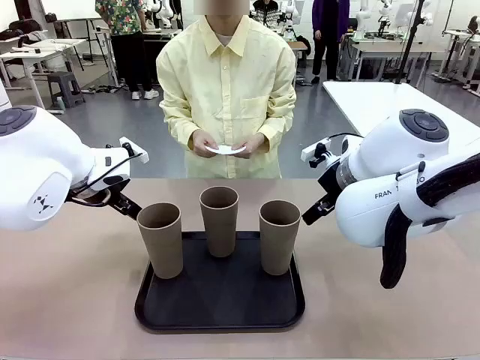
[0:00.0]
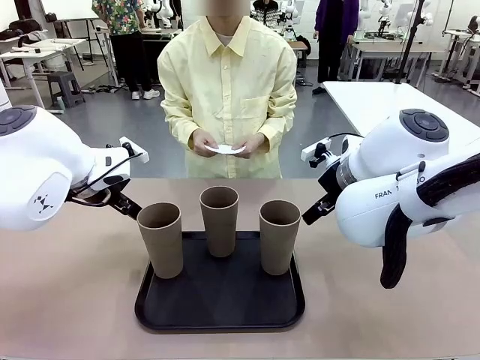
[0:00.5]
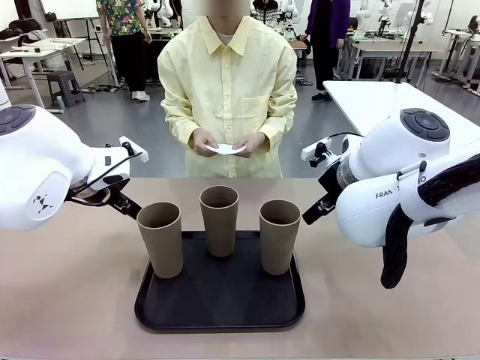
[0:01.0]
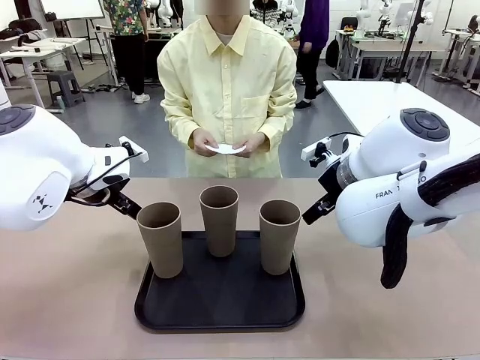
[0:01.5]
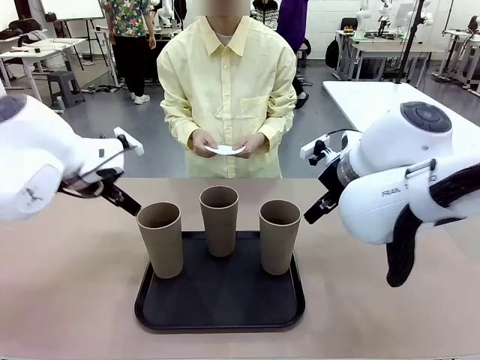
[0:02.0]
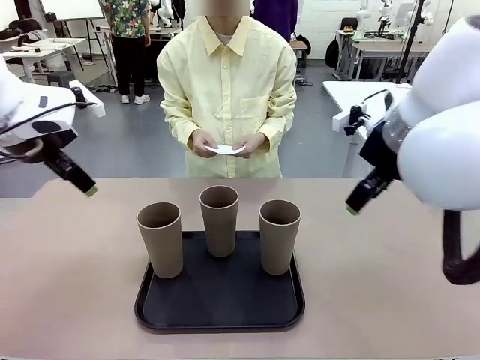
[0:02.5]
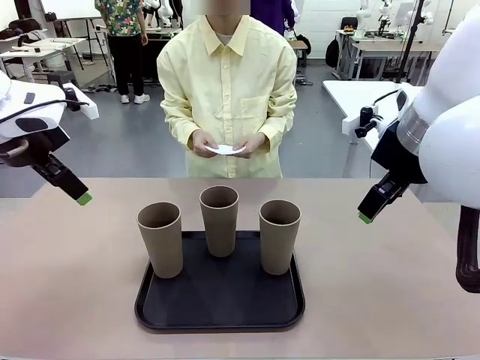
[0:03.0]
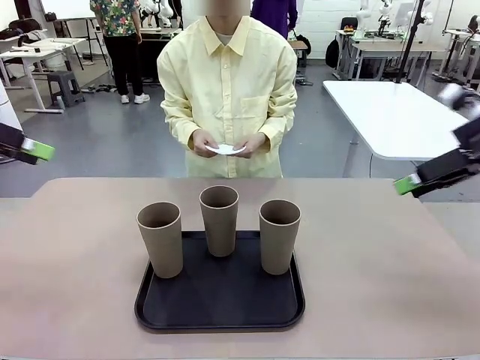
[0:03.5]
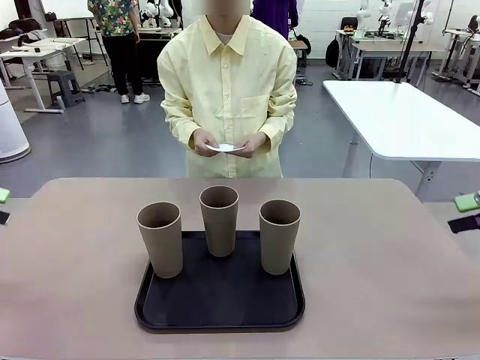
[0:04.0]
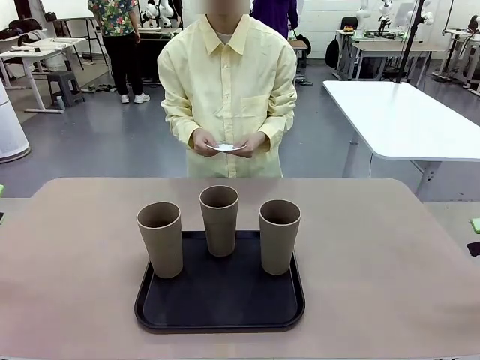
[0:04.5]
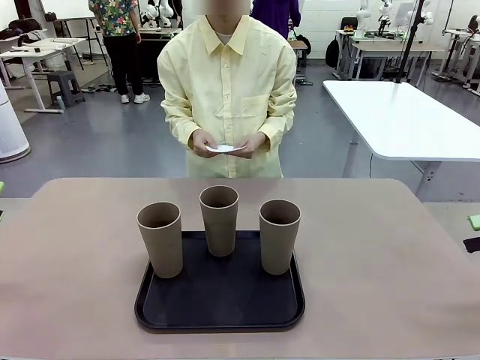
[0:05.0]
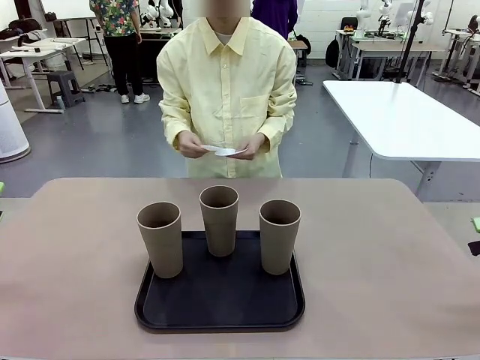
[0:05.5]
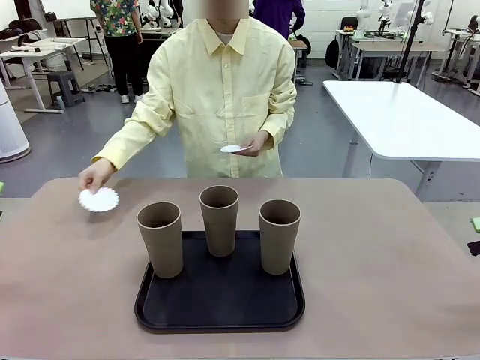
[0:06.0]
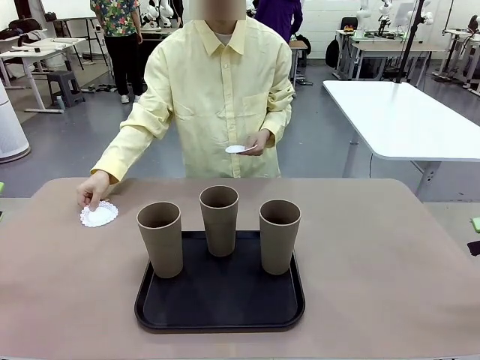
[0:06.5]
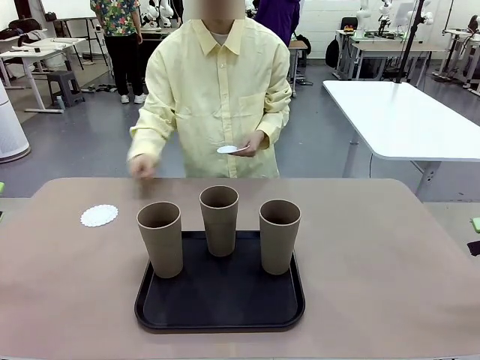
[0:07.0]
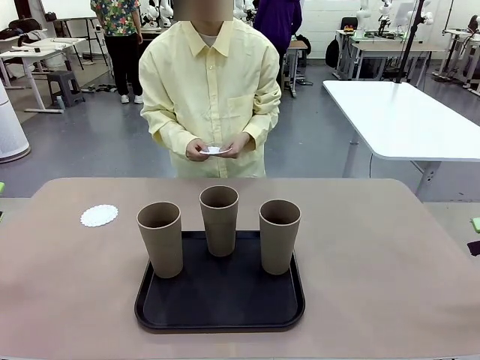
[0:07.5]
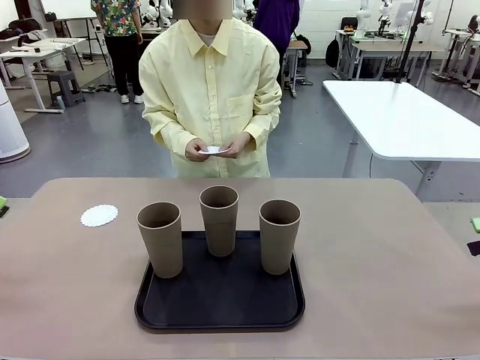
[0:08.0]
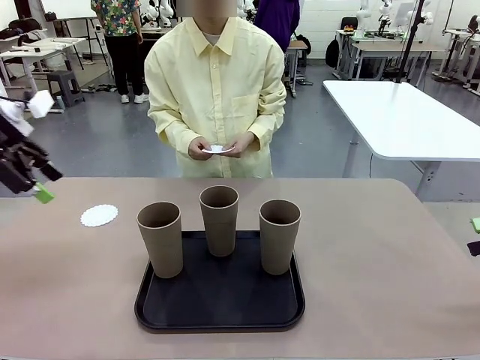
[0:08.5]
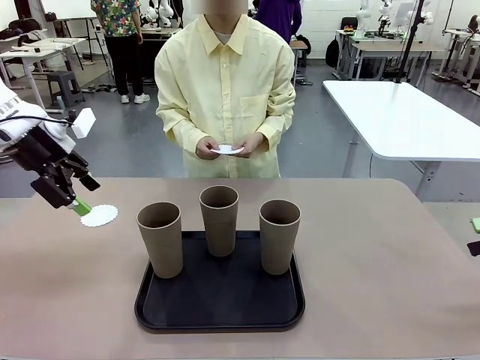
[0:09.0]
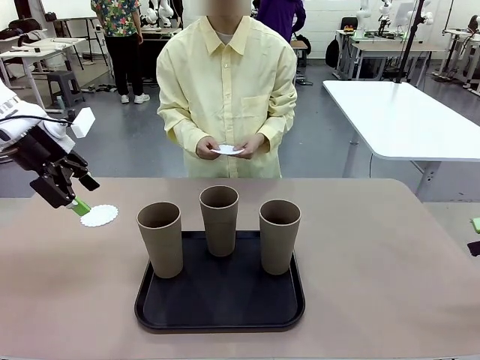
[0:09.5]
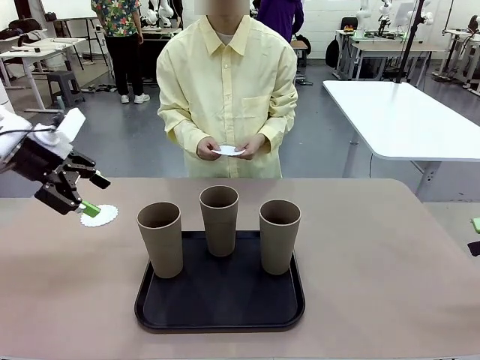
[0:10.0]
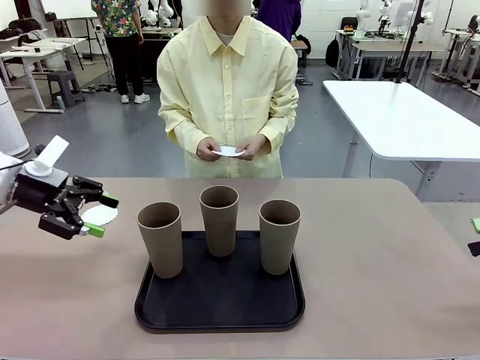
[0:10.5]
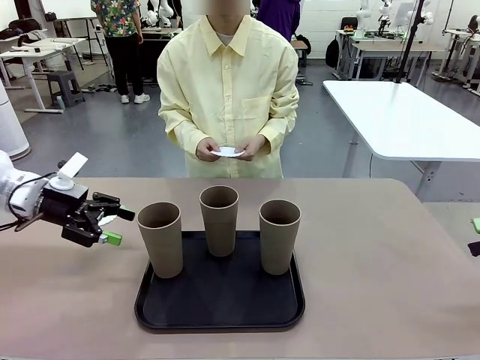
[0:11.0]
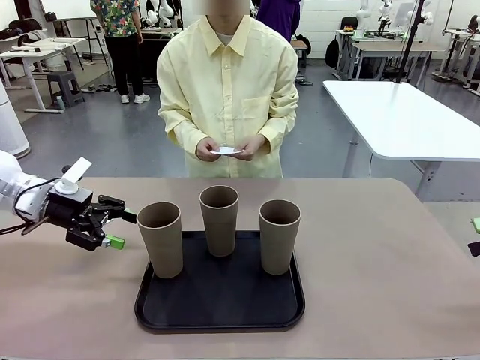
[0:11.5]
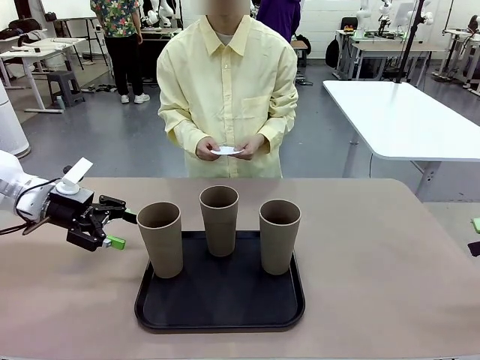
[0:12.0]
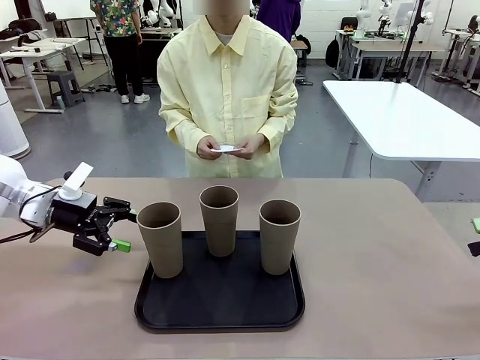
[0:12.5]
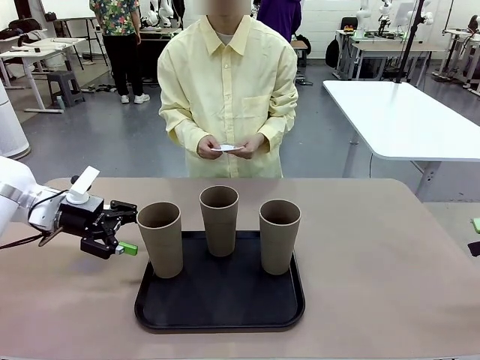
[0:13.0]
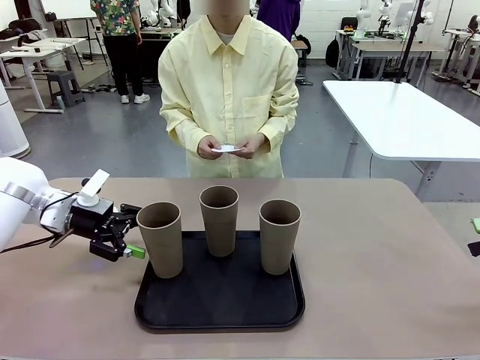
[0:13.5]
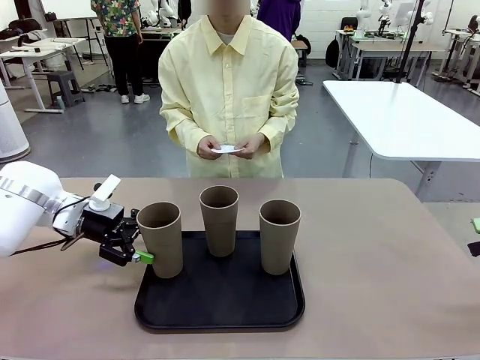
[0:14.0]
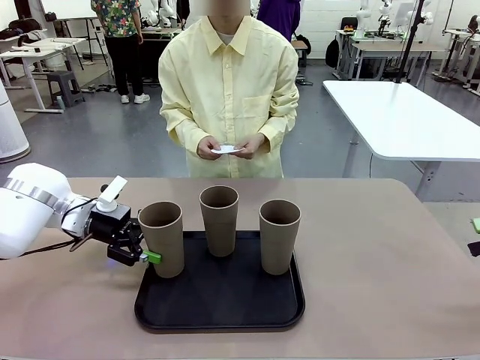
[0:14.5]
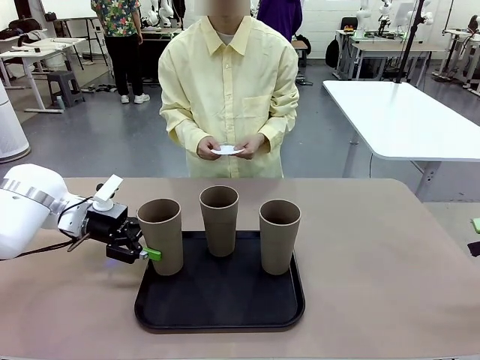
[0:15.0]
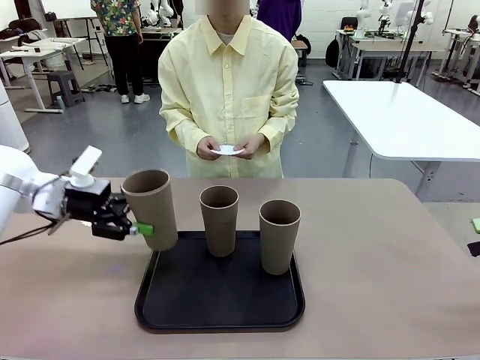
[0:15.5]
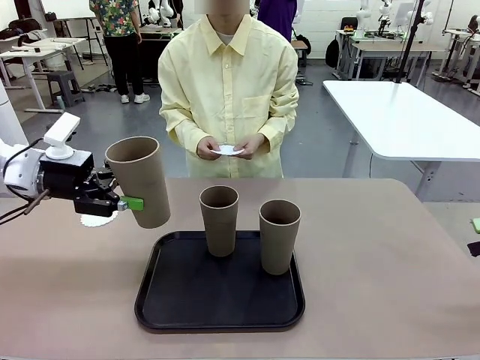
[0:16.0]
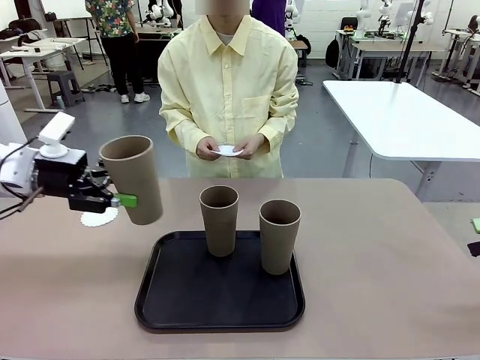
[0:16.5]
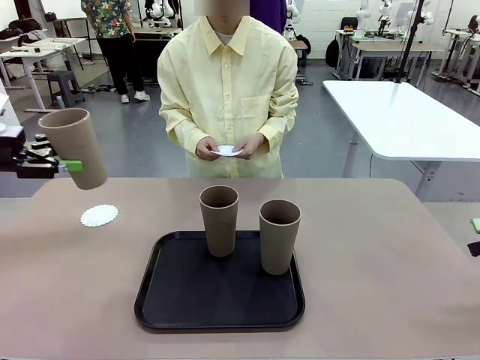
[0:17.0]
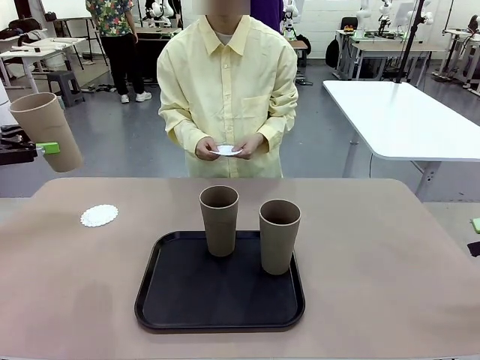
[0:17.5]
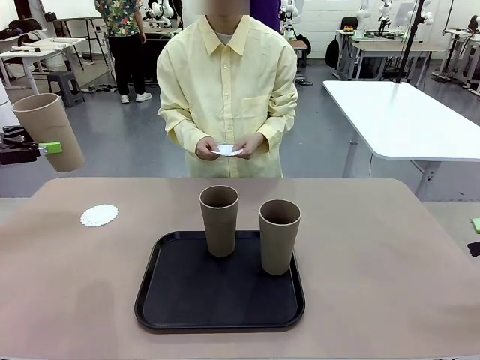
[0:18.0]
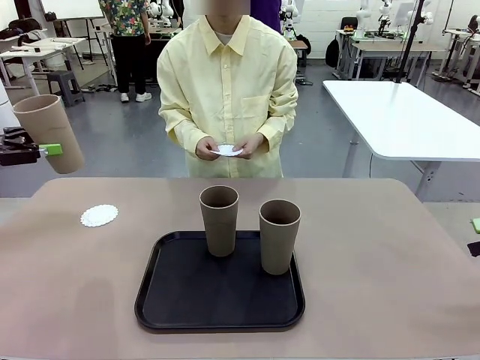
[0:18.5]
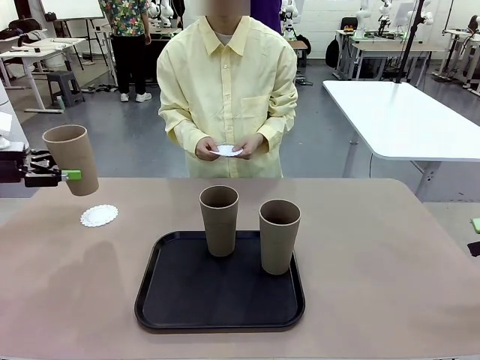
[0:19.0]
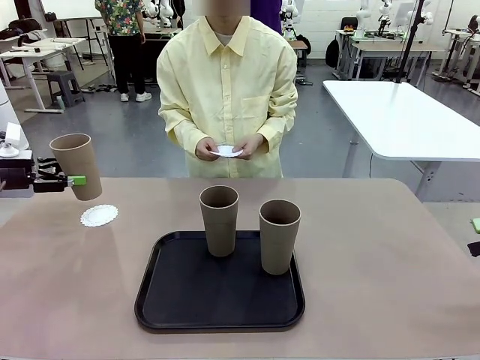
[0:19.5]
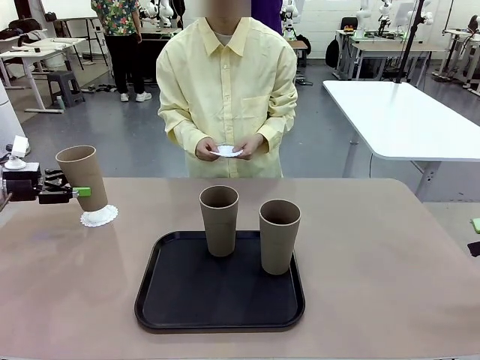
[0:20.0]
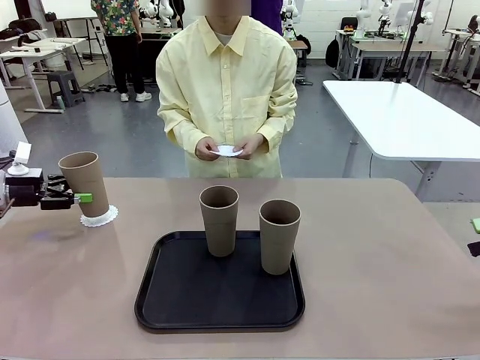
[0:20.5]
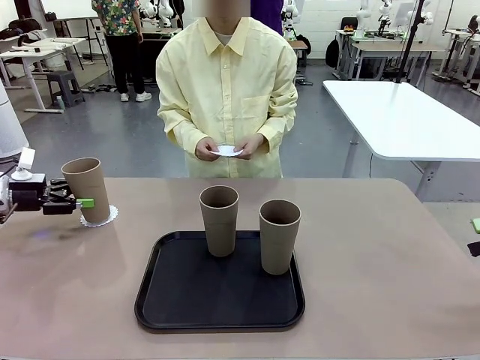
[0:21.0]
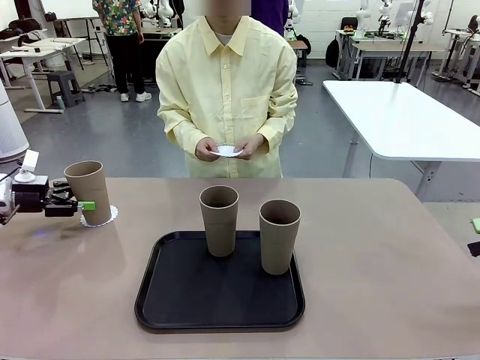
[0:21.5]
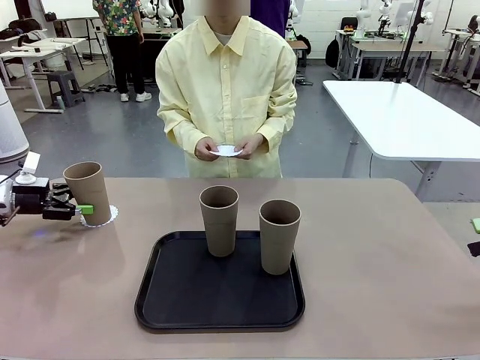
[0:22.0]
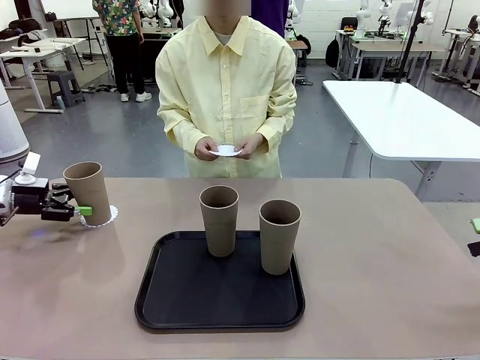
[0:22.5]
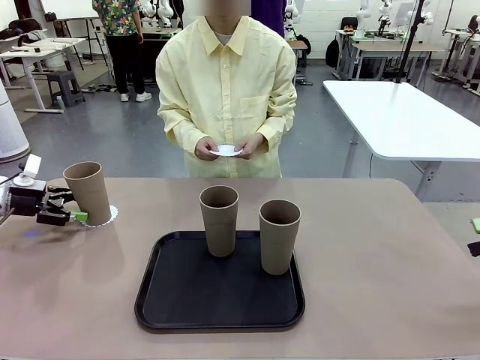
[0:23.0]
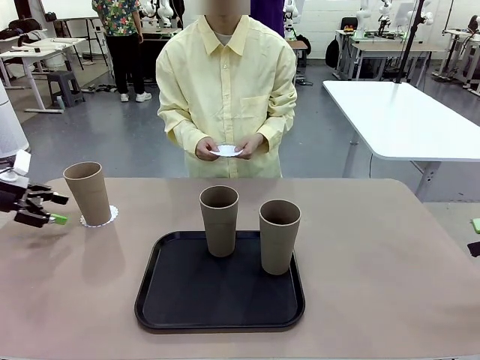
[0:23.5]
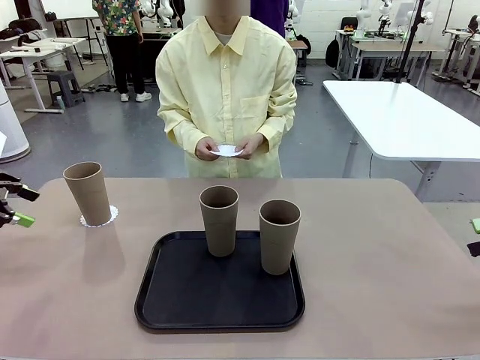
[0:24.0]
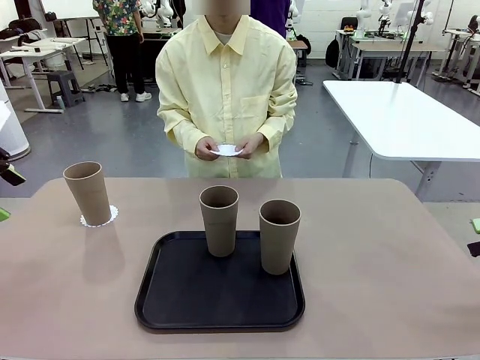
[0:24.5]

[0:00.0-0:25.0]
Task: Place coasters on the table and set cups on them.
Robot: Pick up one Reusable plastic cup and place it on a coaster set by the human.
Person: Place one coaster in any one of the three lower areas of the robot table (left, center, or right). Place one coaster in one of the two areas excluding the previously selected area.
